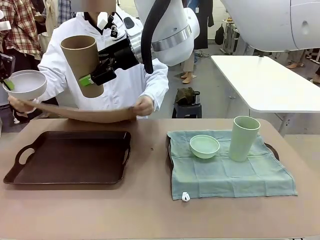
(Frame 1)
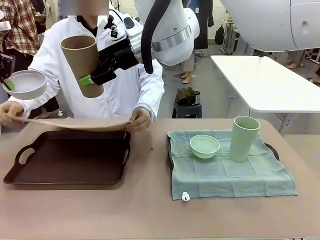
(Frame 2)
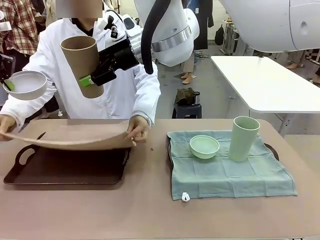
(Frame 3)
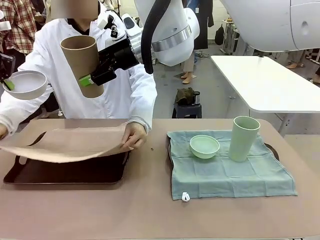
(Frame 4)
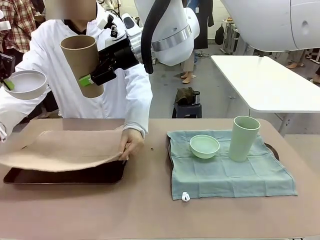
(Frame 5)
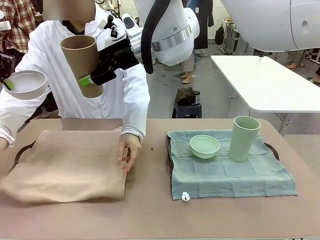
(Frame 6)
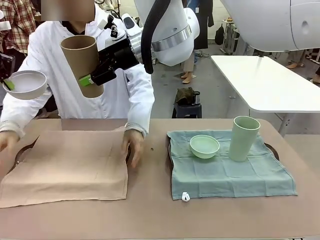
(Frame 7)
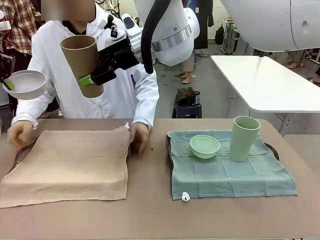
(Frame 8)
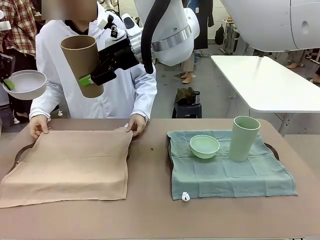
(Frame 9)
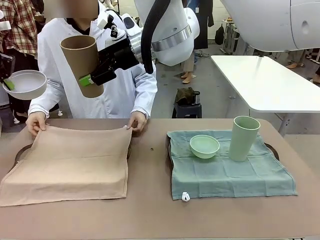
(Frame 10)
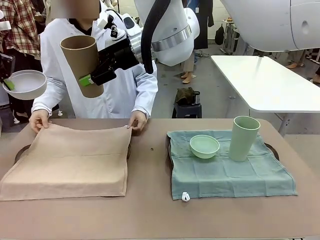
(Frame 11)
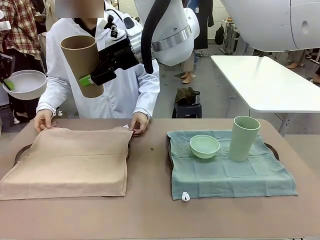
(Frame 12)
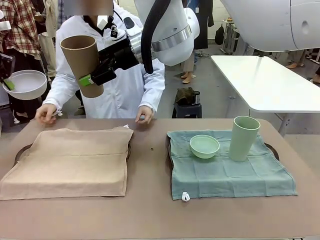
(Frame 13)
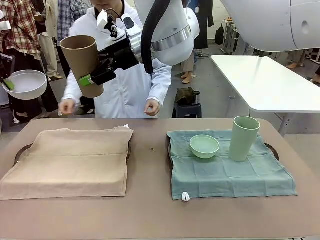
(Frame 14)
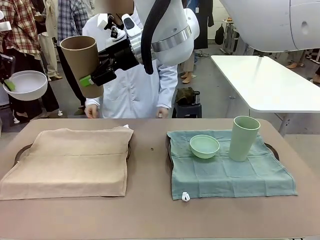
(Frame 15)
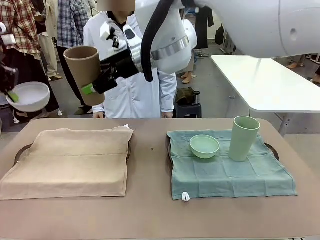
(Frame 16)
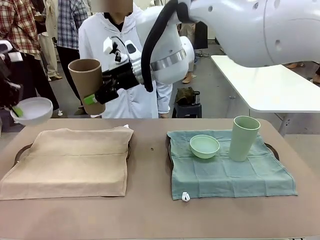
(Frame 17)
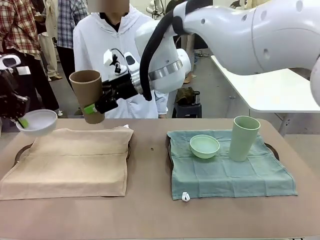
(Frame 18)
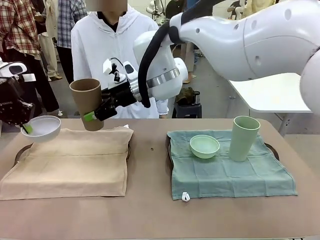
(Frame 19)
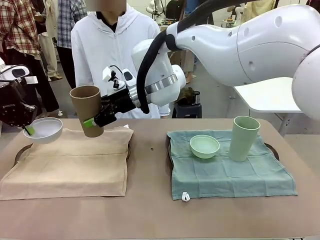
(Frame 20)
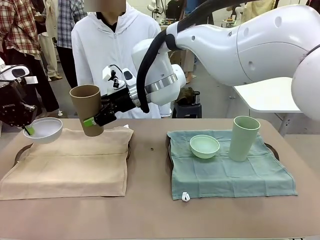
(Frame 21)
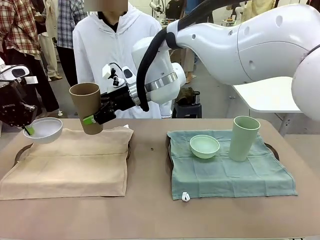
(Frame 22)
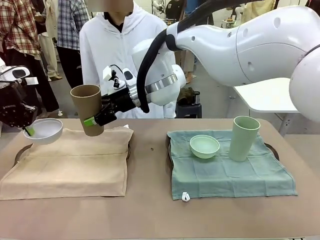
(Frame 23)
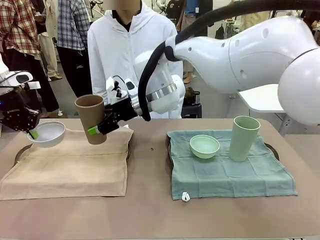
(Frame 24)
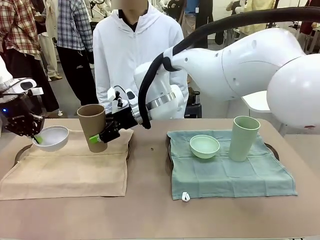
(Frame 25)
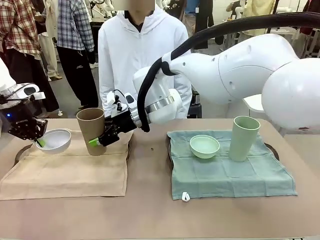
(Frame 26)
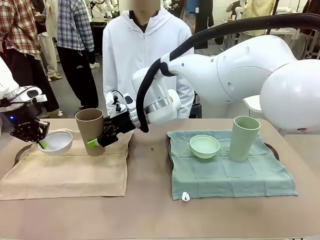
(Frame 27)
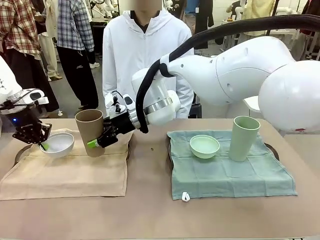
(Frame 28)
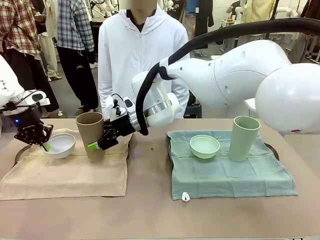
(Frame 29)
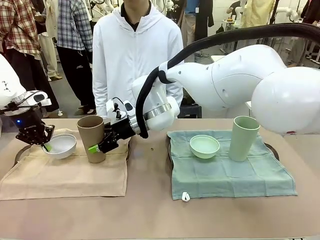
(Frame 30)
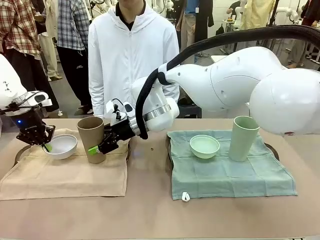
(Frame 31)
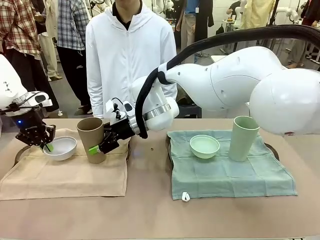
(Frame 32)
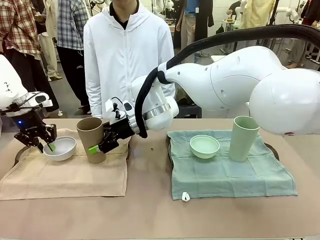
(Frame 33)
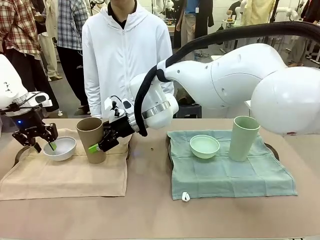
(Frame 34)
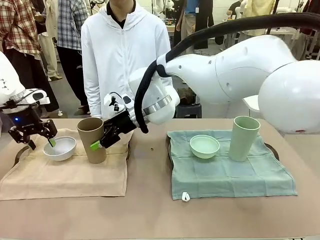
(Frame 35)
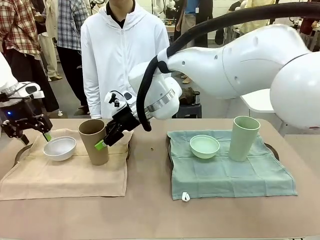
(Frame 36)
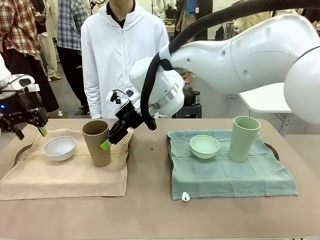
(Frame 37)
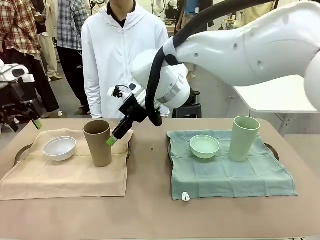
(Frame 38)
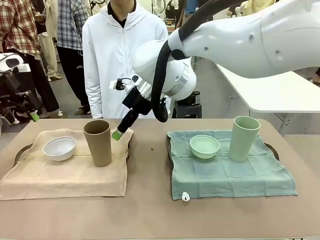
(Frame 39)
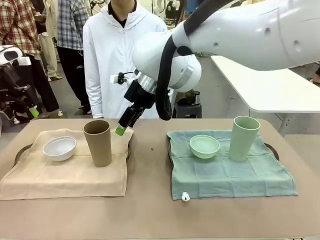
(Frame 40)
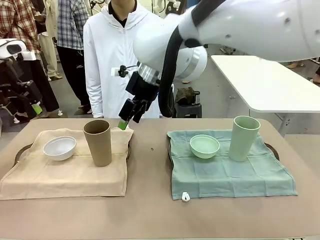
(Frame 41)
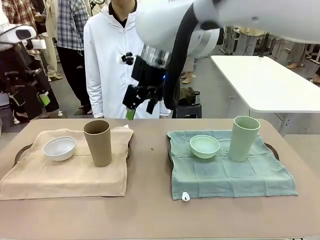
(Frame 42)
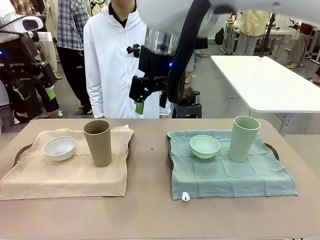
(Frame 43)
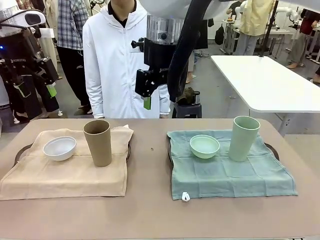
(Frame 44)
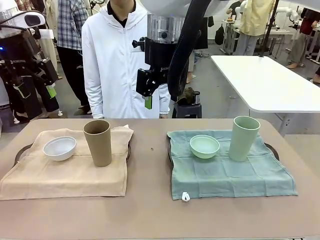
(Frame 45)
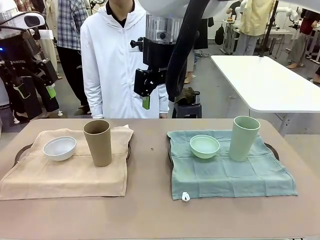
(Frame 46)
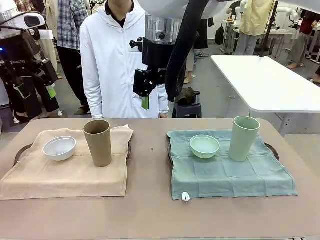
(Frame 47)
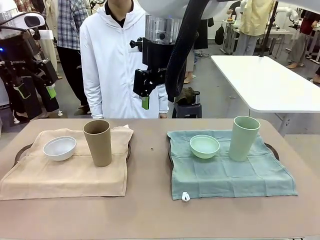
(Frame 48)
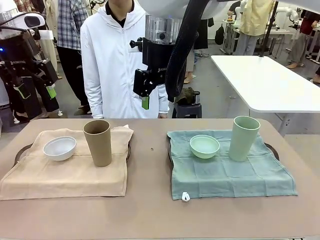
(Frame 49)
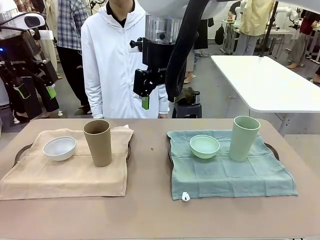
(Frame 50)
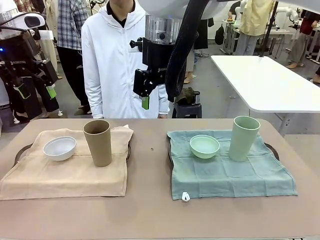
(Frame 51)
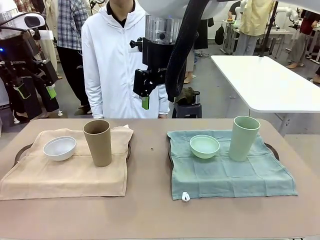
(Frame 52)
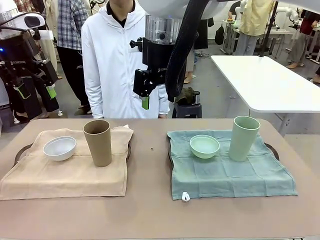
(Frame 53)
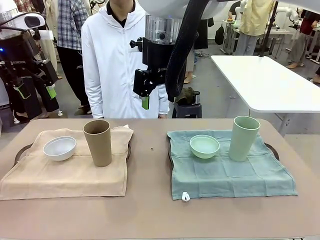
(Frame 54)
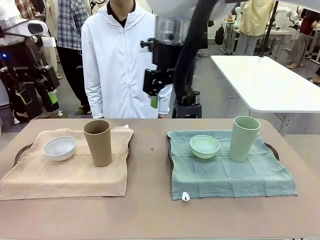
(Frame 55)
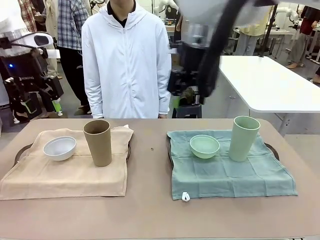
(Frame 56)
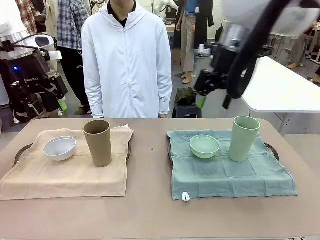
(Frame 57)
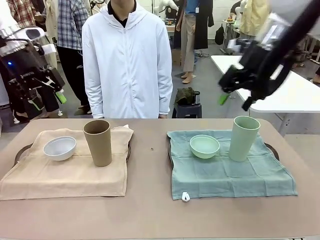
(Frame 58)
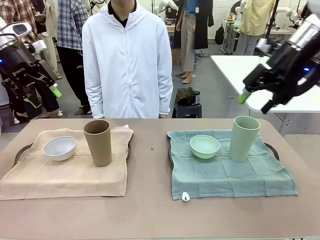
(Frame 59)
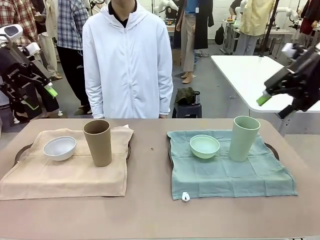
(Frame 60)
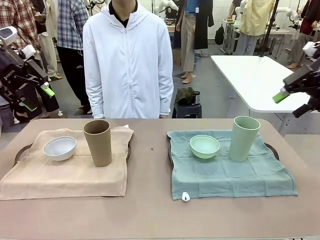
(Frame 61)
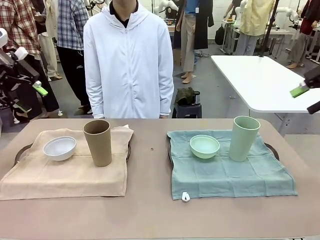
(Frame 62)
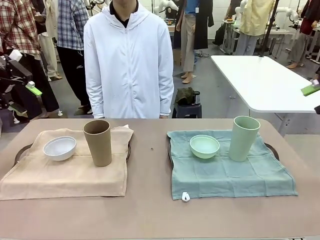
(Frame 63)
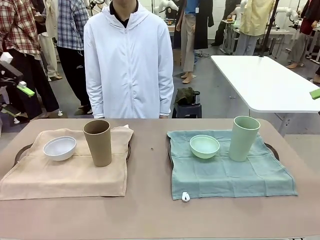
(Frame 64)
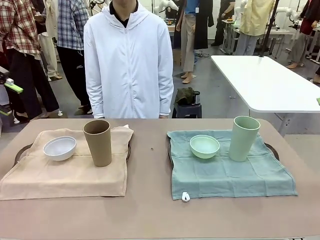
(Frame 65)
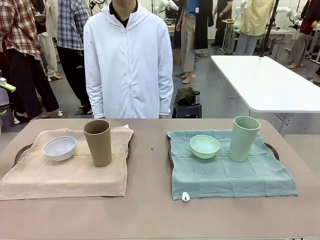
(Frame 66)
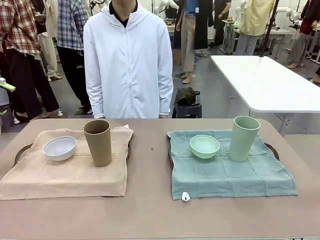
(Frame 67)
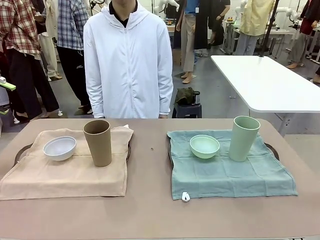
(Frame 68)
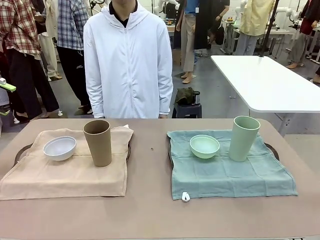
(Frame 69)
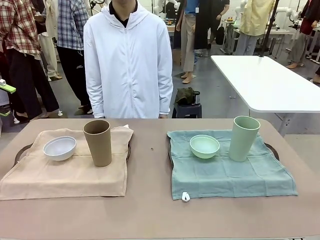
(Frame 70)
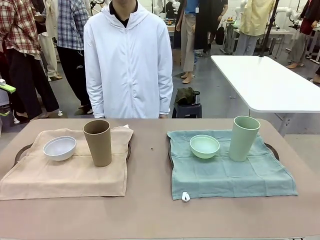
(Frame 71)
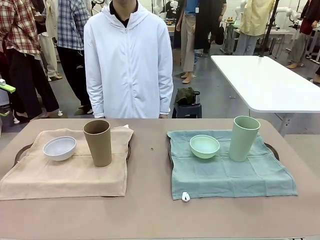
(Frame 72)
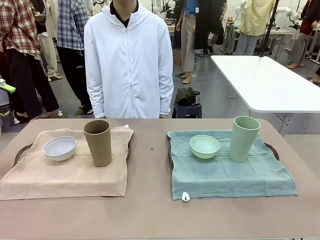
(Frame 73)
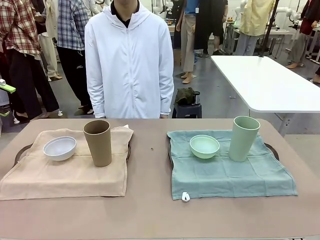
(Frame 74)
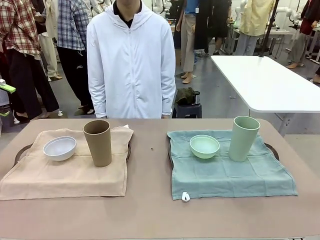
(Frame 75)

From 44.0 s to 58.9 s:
Robot: Place the Picnic Bowl and Reusable plastic cup back onto the Handle tray in front of the human's position.
Person: When the robot lifts the bowl and the cup, the human unfolds the napkin and lays the napkin flat on the tray.
